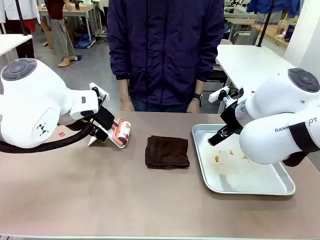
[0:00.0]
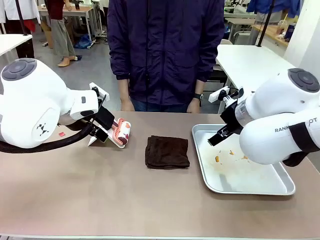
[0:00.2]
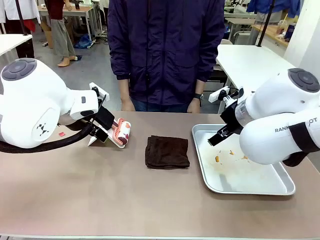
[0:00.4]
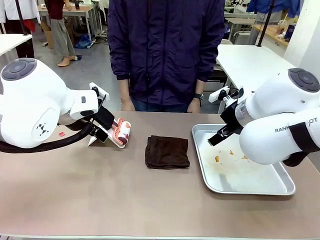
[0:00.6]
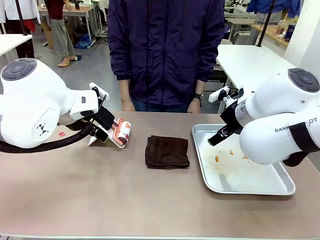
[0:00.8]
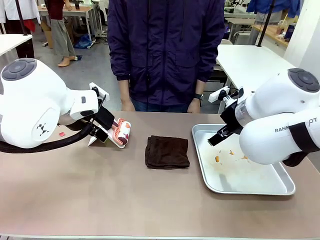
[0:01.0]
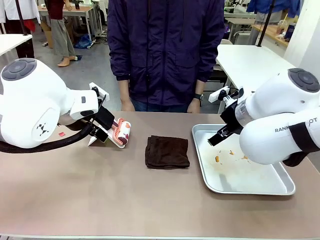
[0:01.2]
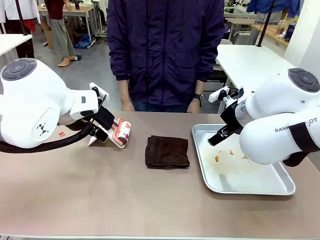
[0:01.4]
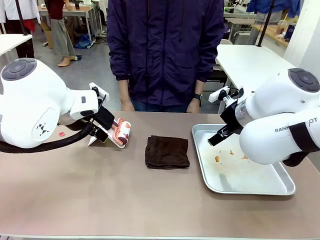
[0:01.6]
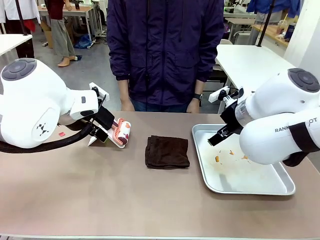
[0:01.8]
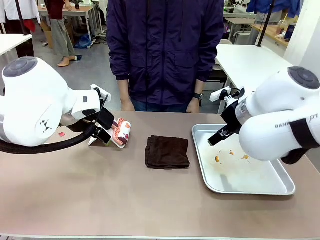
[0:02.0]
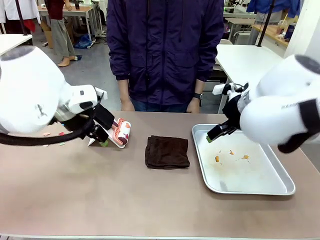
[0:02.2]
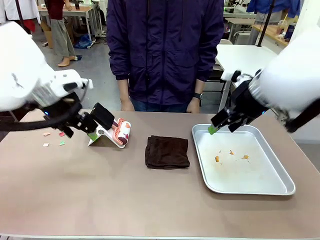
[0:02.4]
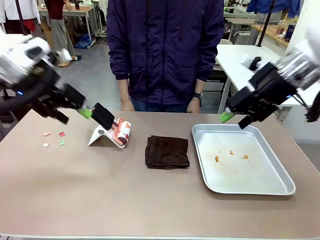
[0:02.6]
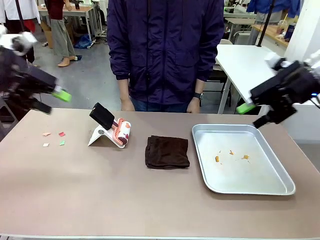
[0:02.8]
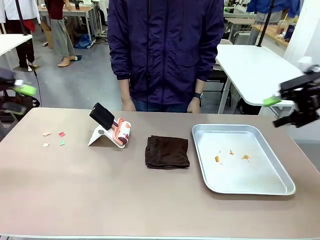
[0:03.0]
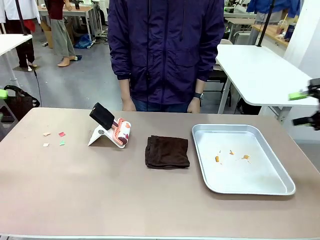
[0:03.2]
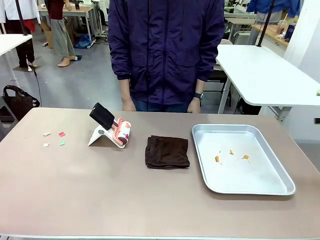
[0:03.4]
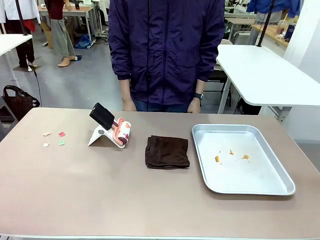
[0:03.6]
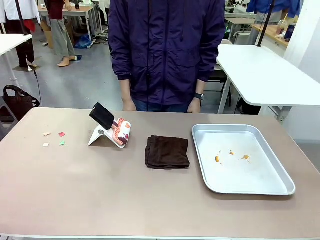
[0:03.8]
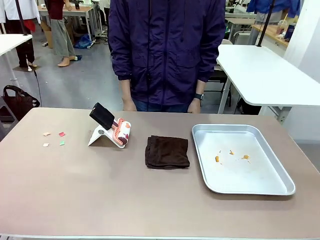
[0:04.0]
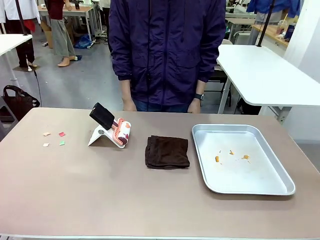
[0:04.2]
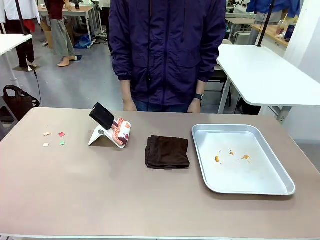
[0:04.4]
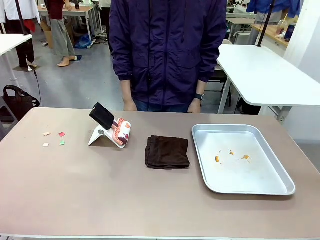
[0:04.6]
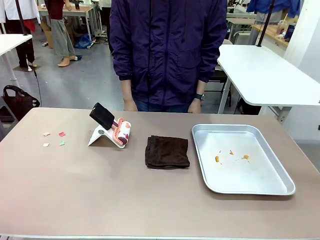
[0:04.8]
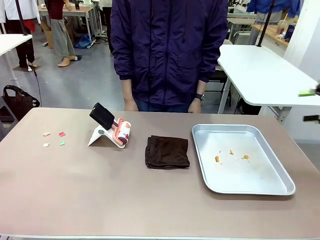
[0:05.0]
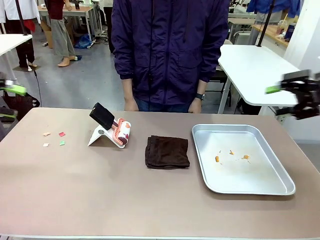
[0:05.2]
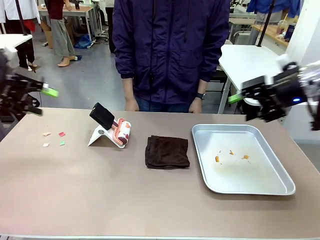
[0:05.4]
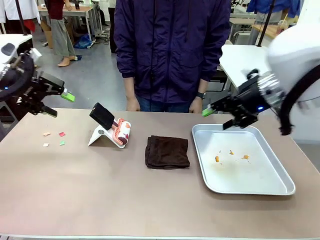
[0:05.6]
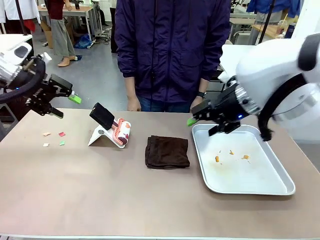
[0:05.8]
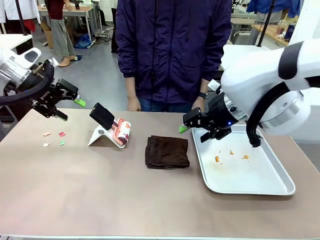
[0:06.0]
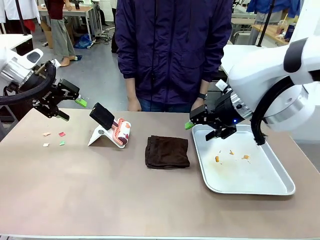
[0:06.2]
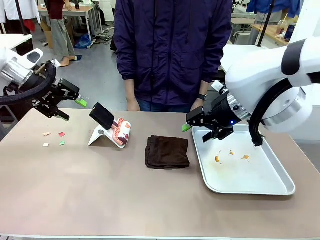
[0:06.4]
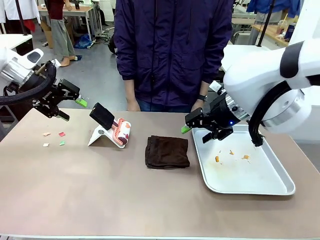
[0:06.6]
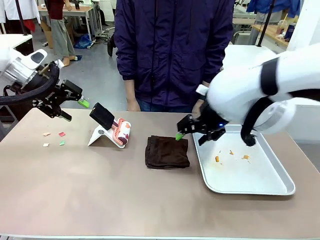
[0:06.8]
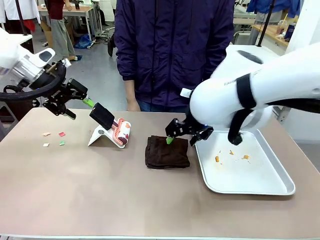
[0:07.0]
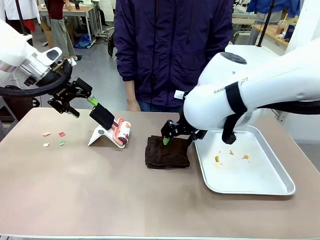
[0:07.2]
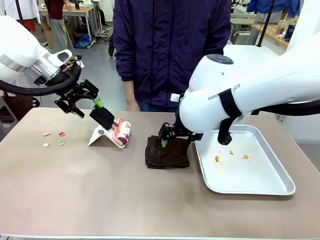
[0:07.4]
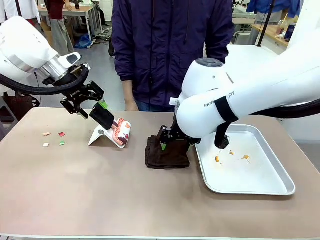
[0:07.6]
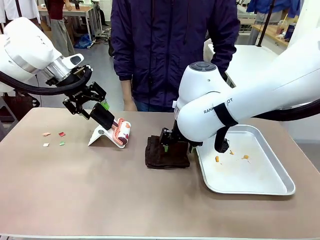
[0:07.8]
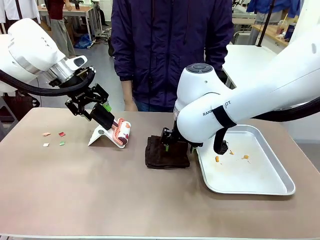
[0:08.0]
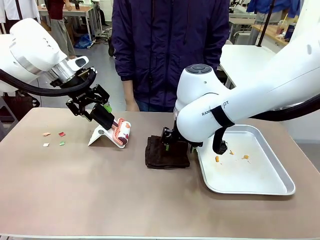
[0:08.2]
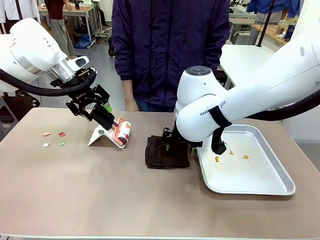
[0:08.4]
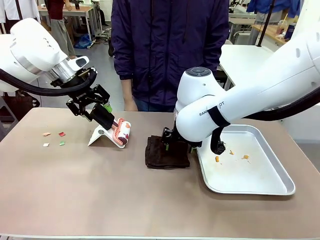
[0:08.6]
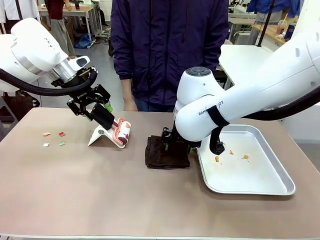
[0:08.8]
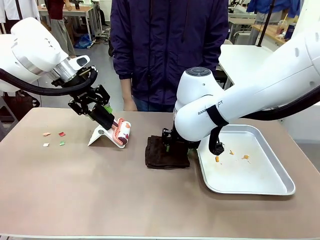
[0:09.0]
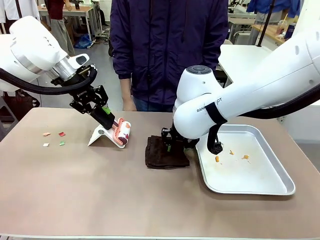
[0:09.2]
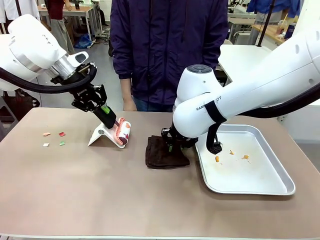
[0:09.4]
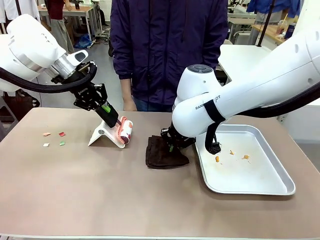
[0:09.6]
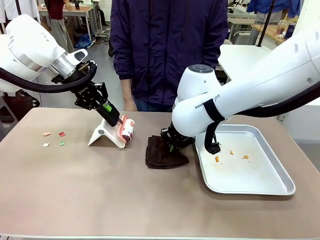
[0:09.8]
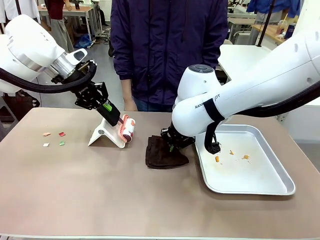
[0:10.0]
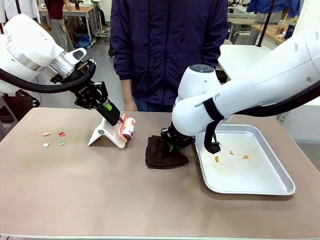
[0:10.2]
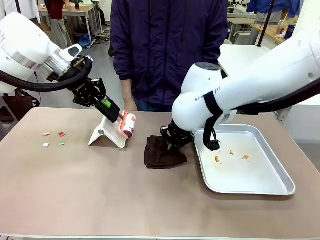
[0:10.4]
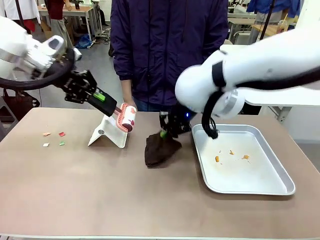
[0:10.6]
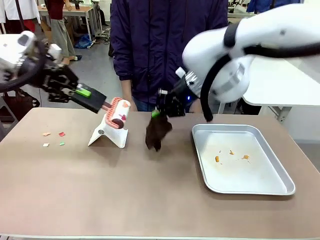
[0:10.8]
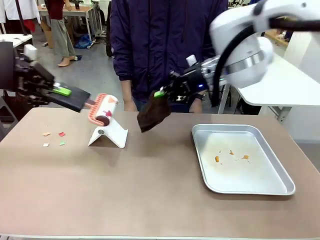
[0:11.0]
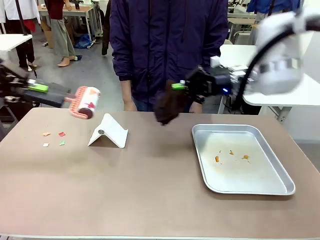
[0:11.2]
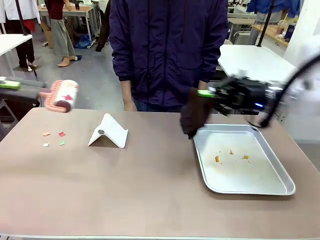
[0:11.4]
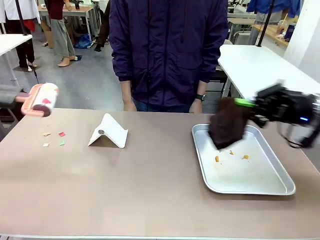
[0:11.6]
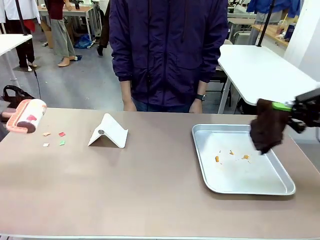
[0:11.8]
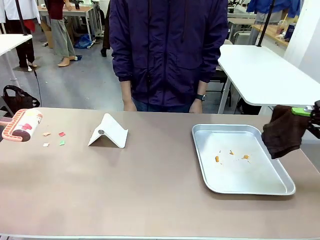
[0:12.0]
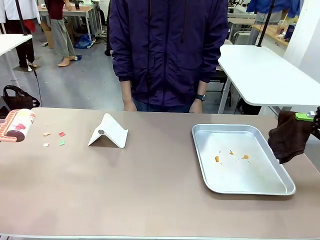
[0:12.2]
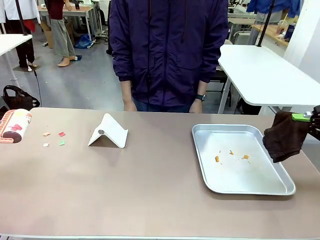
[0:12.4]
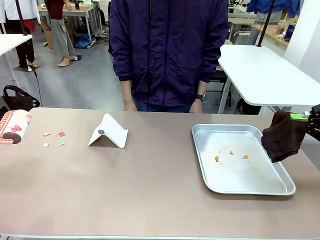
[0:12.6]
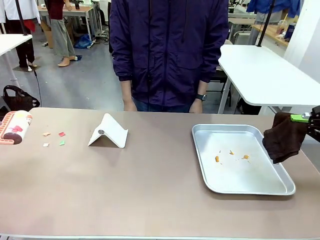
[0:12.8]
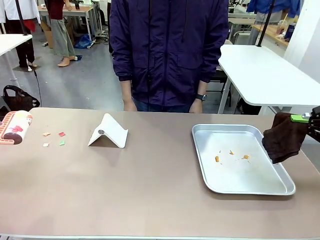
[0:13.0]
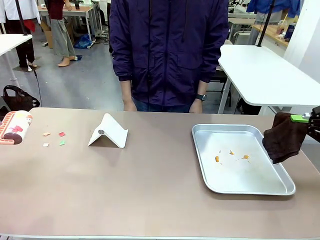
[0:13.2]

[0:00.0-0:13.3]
Task: Clean the surface of the table.
Robot: Hold the Lint Roller with your left hand and the towel with your right hand.

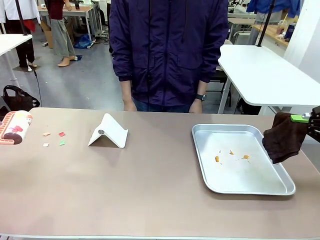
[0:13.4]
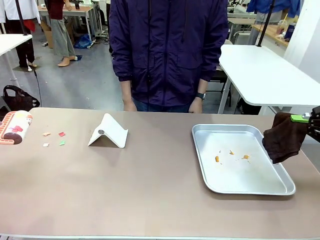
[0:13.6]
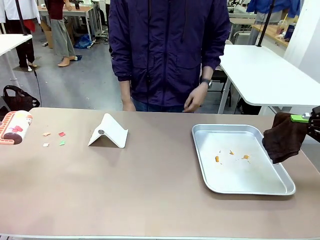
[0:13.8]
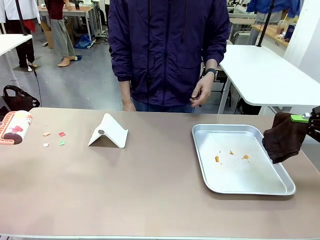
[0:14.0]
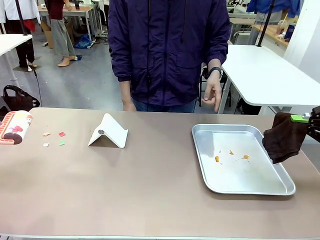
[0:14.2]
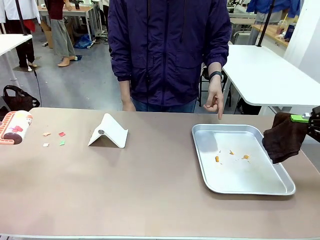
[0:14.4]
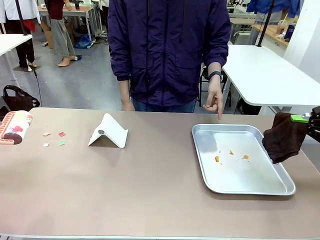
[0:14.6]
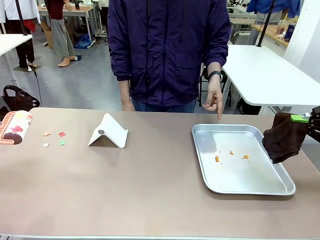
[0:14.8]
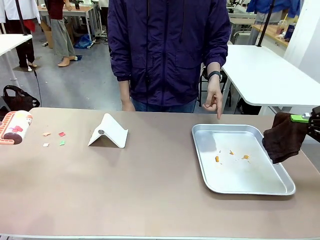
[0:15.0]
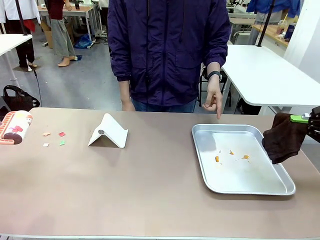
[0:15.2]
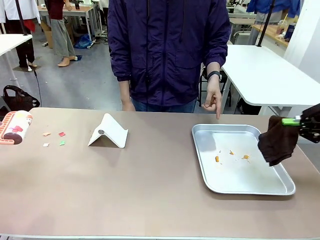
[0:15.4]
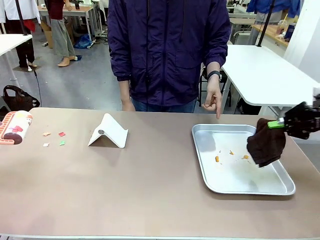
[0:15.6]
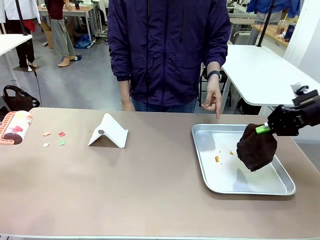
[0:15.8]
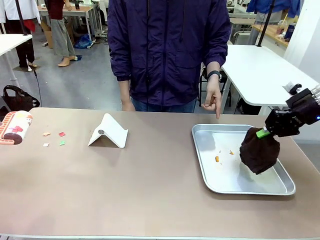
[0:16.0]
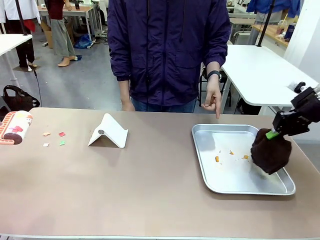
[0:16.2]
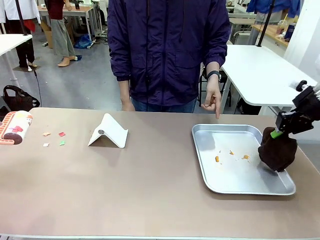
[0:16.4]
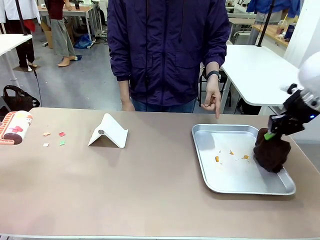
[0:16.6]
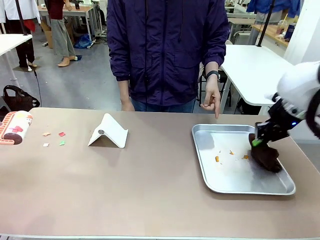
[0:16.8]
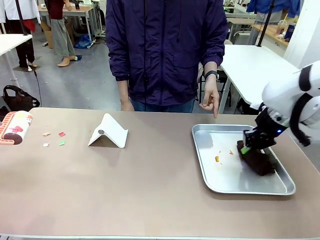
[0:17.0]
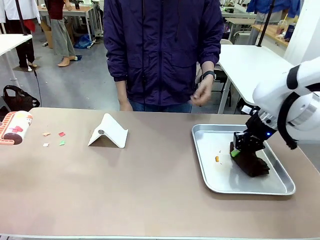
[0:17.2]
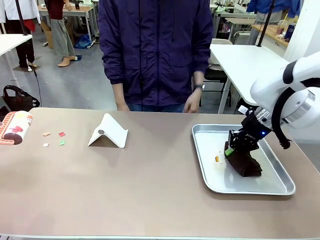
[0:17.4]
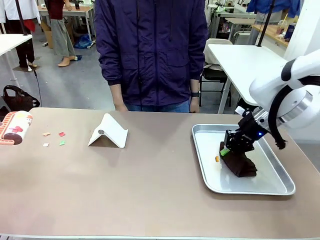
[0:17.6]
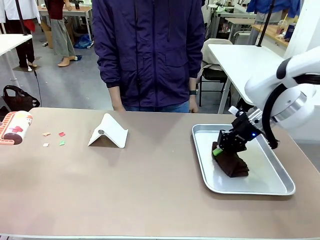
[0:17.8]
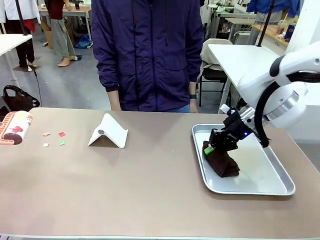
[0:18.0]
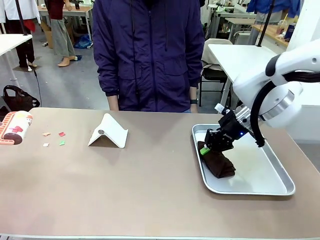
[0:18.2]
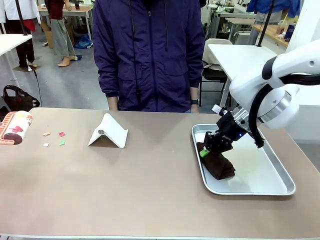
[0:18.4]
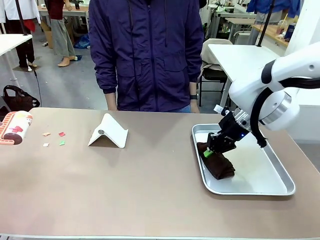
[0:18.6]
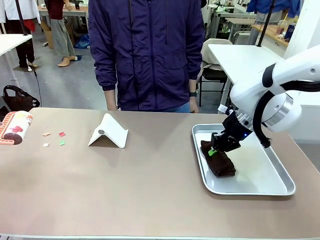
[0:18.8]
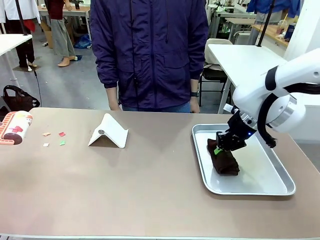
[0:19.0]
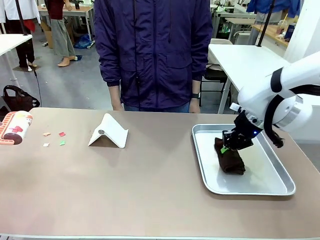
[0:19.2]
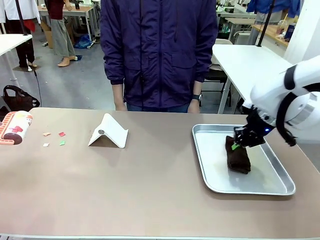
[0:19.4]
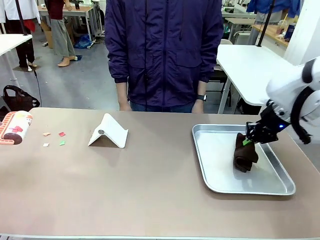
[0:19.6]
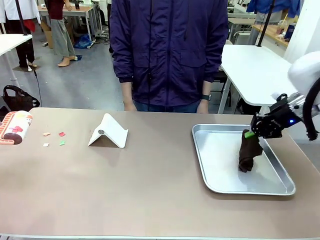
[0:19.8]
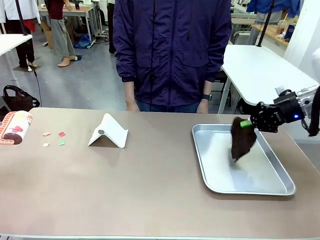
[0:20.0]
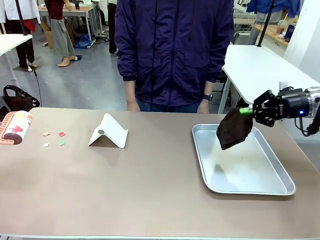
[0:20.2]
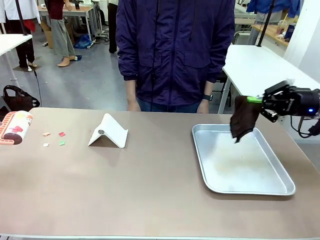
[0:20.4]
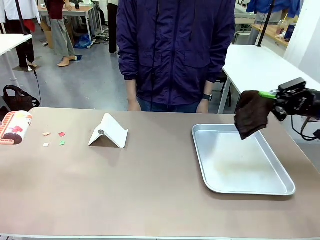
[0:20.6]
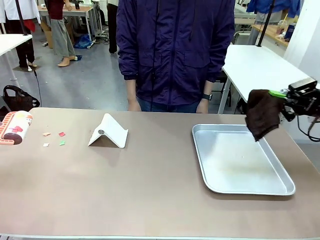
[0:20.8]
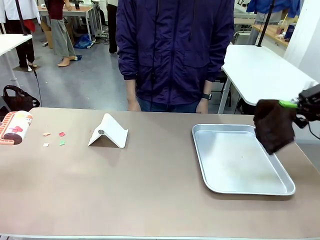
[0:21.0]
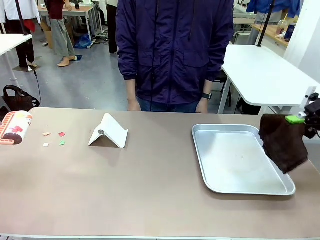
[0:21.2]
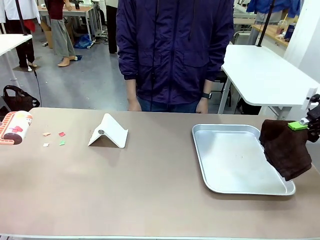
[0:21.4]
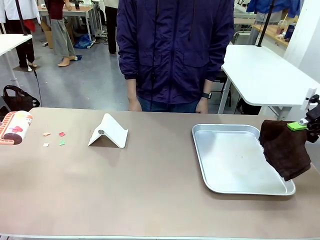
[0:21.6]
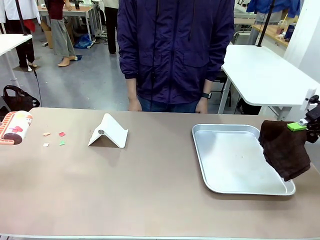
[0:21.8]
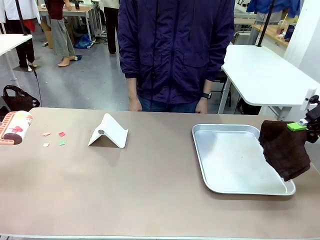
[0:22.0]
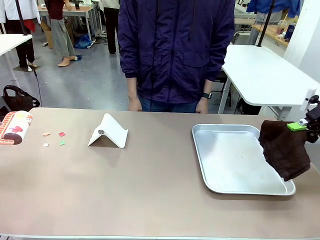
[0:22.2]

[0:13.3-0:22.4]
Robot: If a person points to the right, clean the right side of the table with your right hand, and if they point to the left, clean the left side with your left hand.
